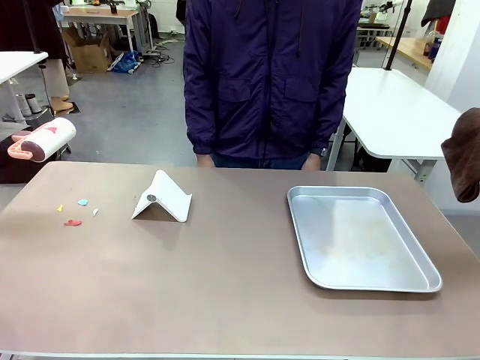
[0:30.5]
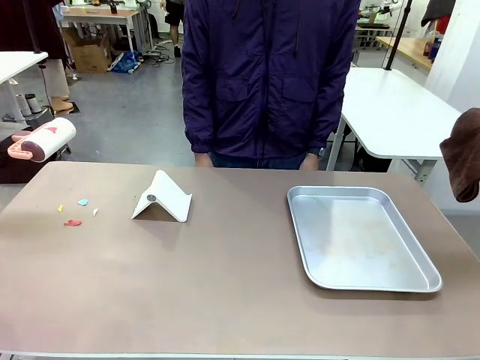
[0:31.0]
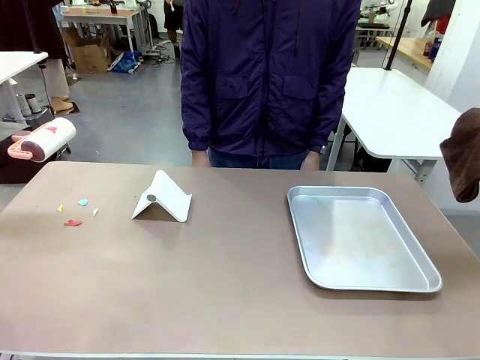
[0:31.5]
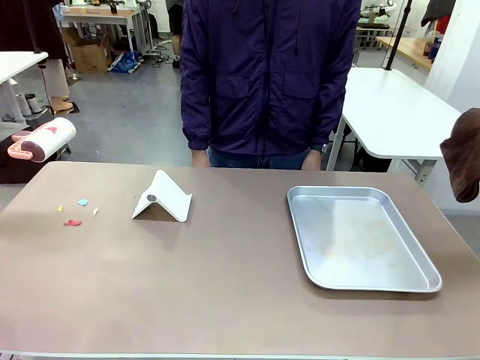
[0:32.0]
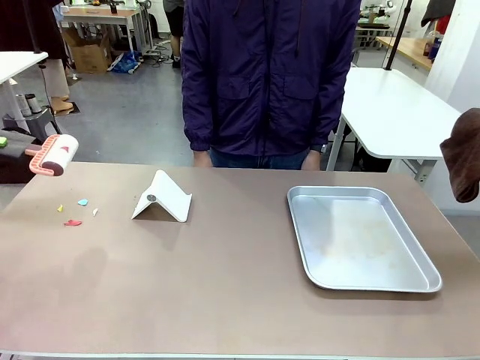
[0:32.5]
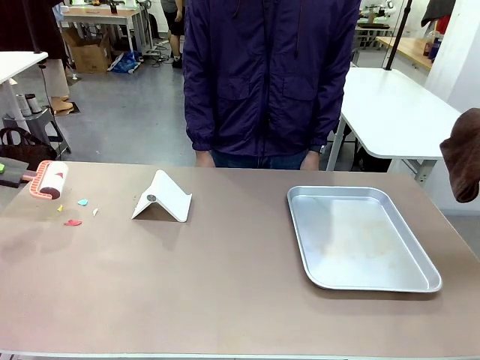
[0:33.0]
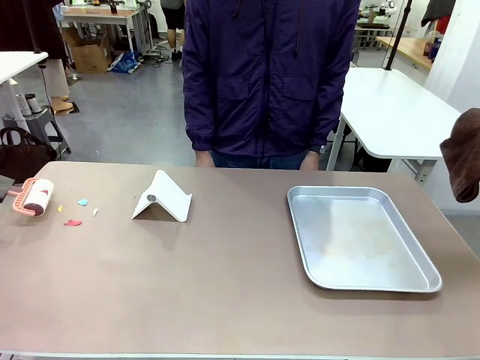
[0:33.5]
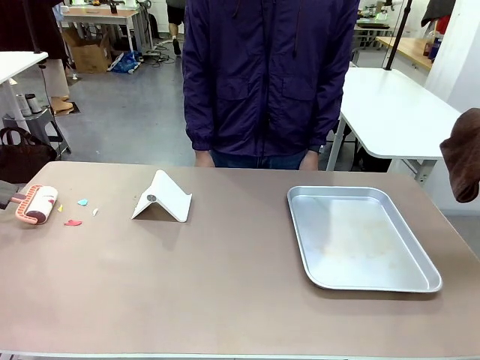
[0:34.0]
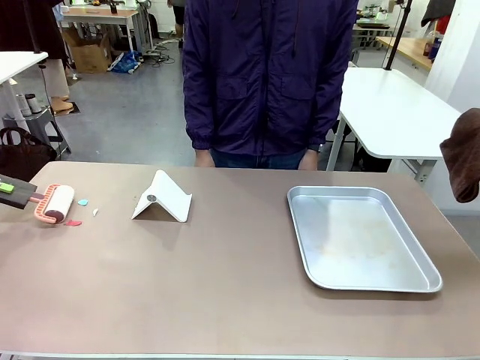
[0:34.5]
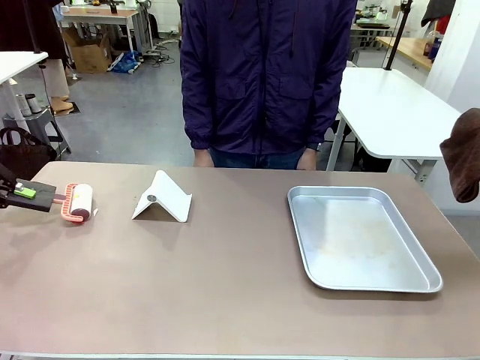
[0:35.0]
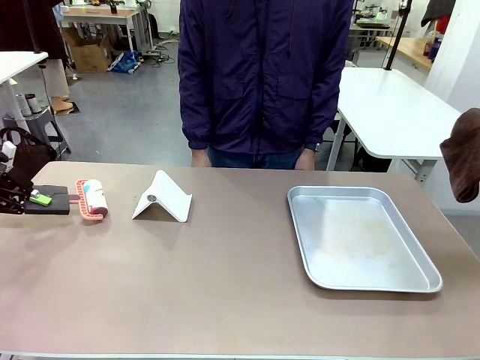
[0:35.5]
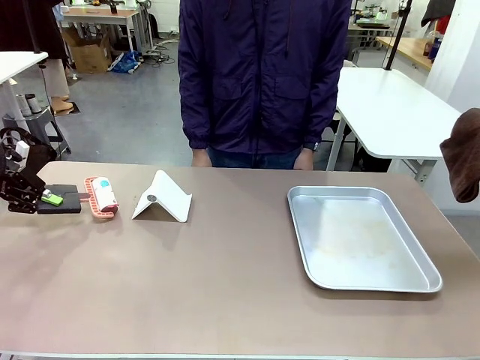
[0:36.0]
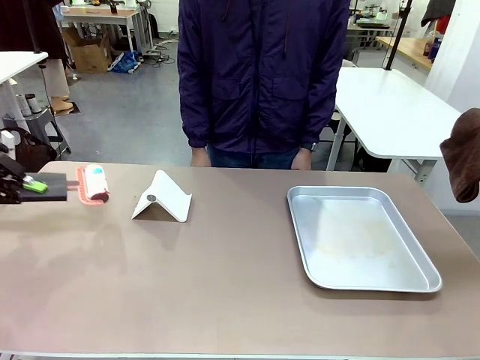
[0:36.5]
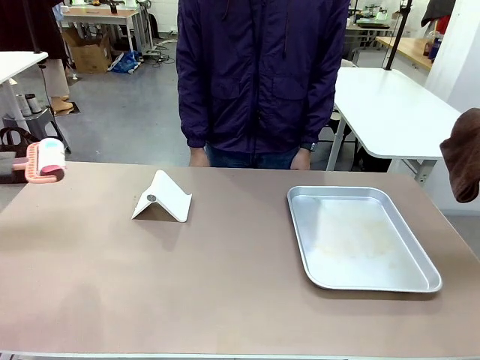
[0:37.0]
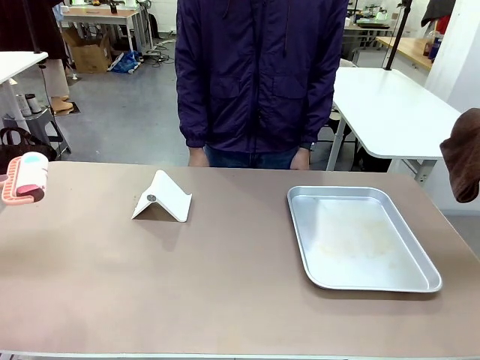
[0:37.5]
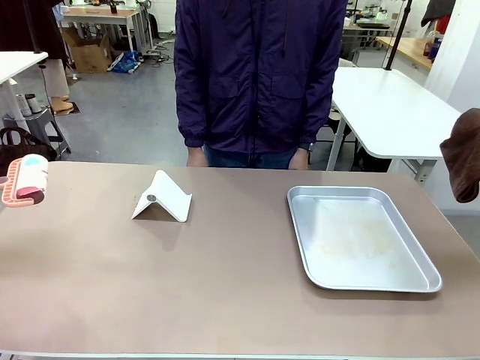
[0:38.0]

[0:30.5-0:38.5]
Task: Clean the surface of the table.
Robot: Clean the area not pointed to by the person.

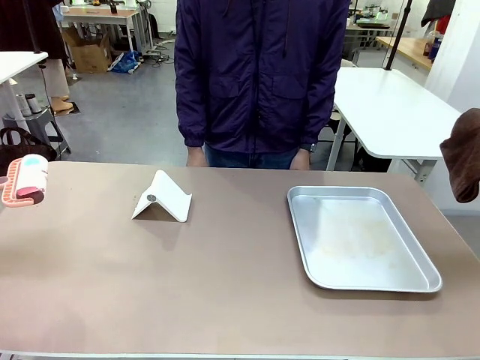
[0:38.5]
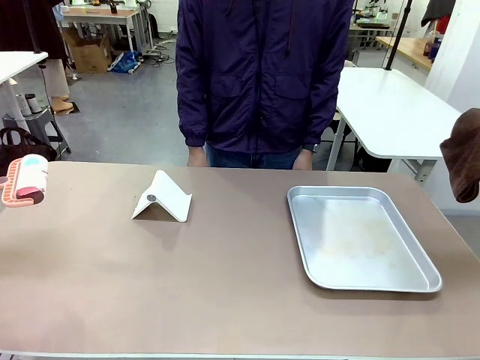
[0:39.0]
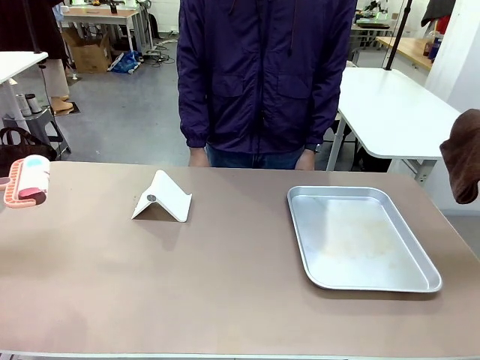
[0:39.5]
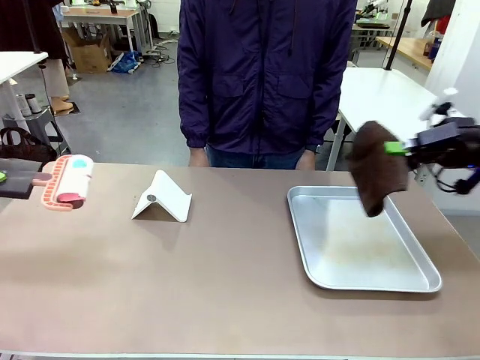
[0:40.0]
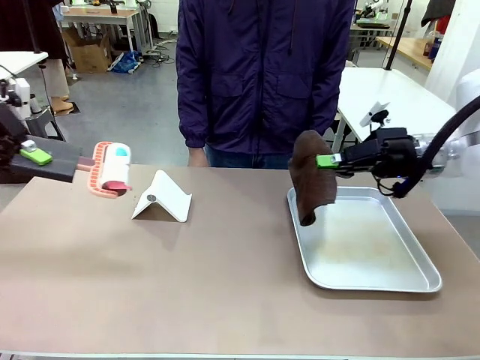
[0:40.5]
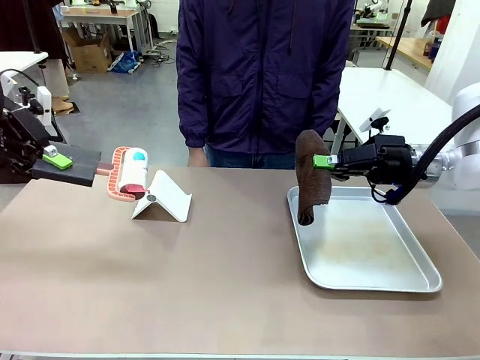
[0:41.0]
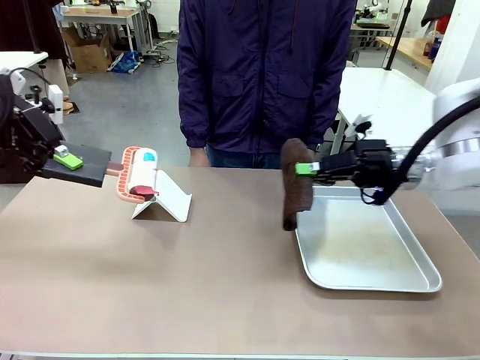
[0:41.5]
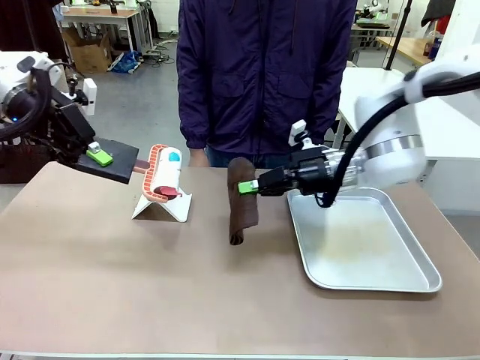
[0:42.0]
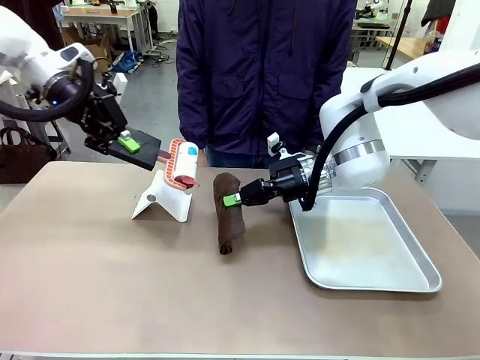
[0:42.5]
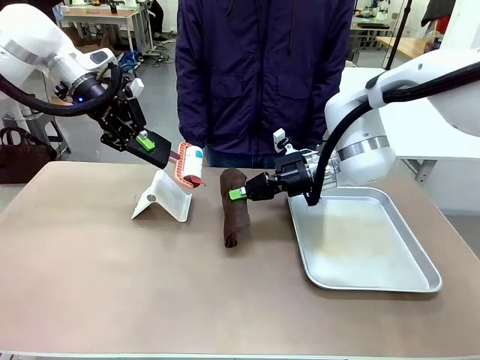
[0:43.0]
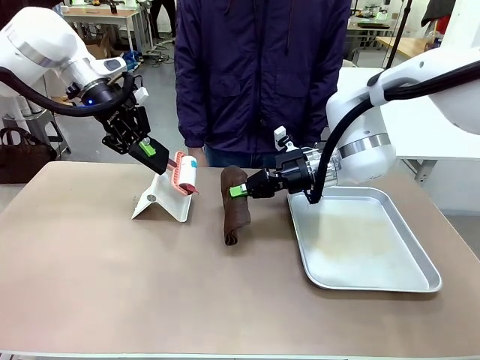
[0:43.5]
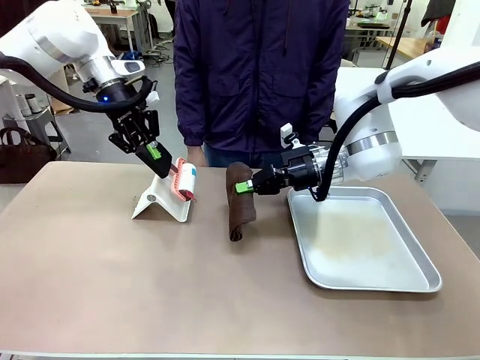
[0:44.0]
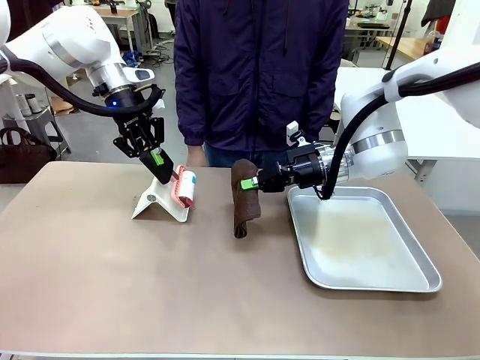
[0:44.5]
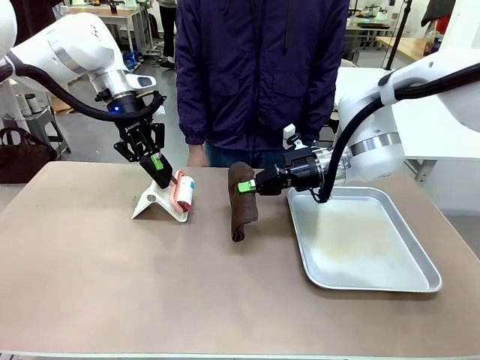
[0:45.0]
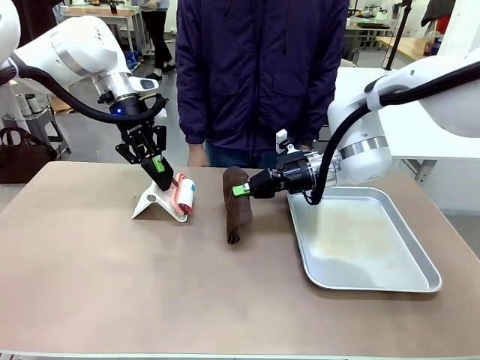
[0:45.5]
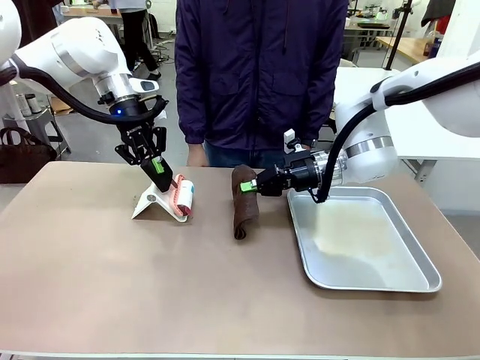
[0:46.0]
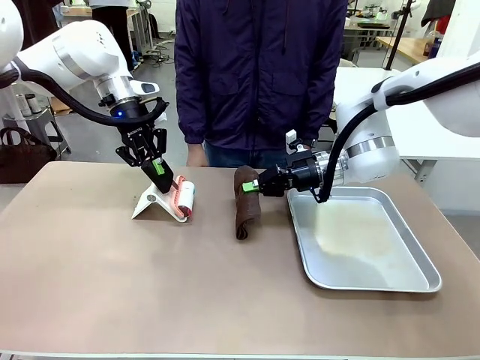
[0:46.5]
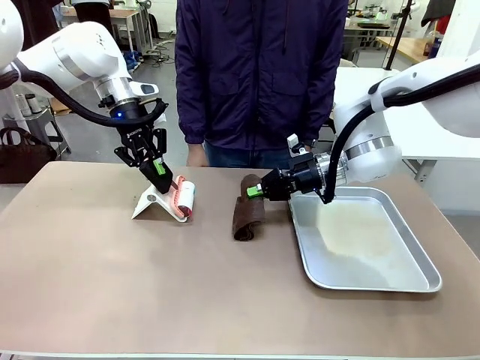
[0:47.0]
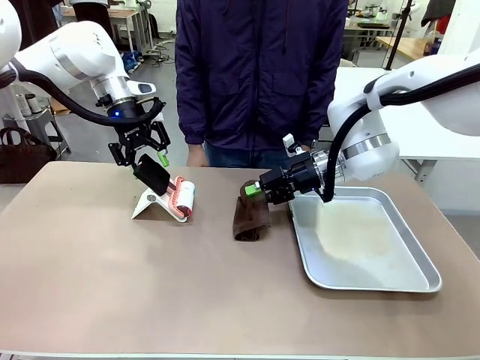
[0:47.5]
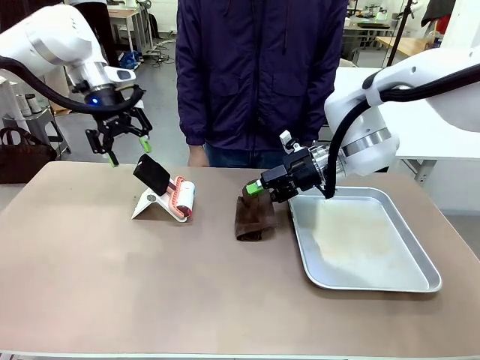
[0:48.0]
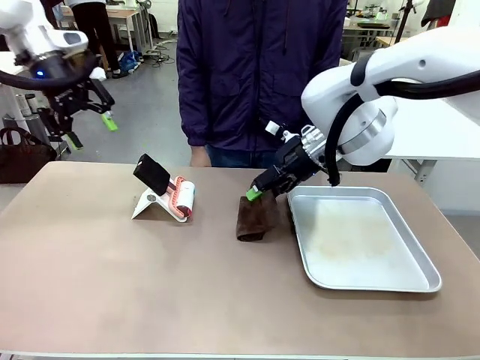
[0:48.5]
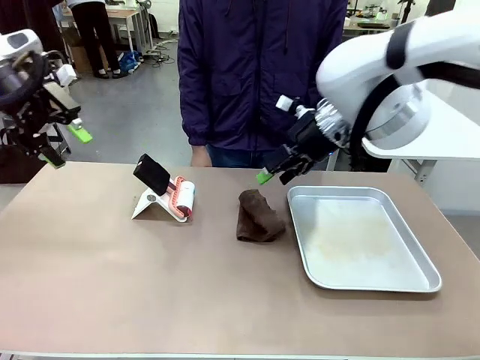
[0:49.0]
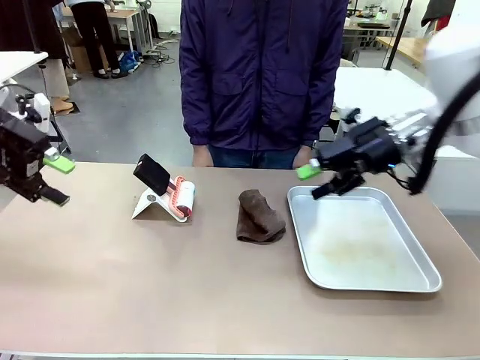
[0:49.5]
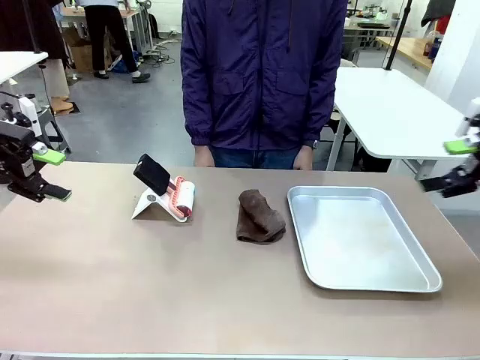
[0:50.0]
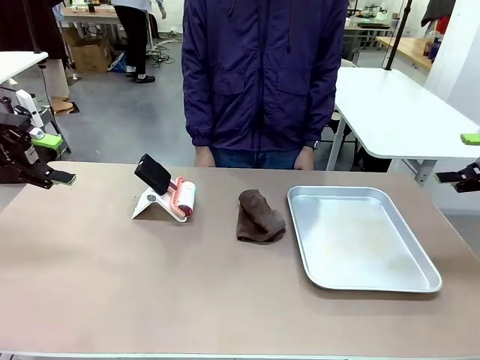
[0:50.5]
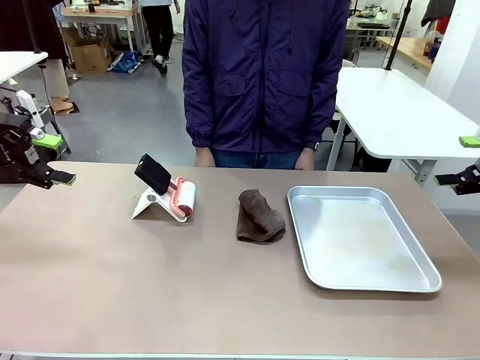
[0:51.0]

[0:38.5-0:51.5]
Robot: Return the Lint Roller and towel to their original positions.

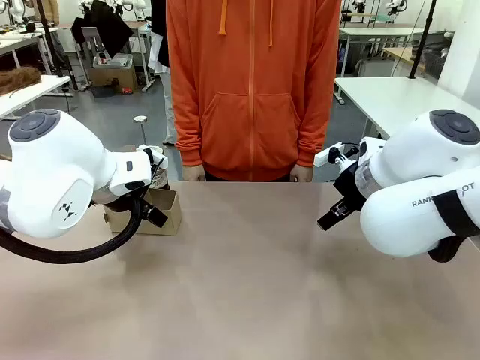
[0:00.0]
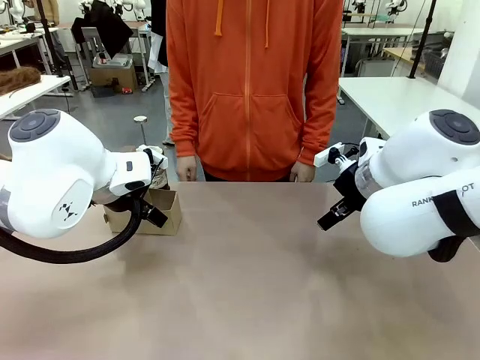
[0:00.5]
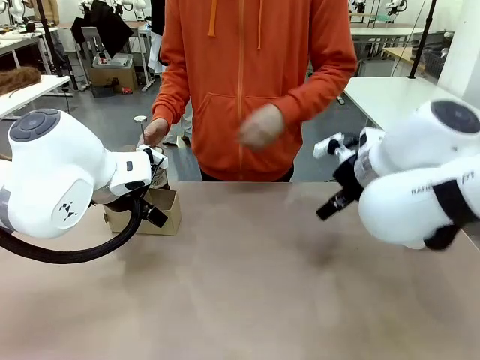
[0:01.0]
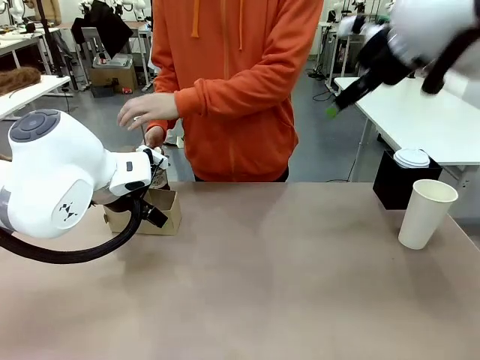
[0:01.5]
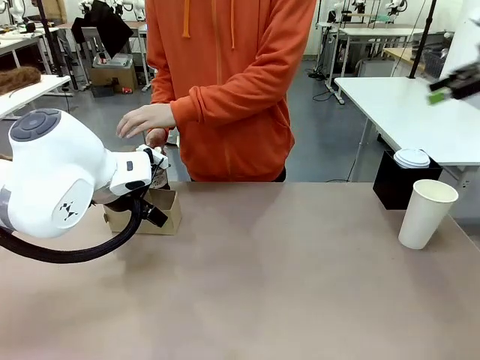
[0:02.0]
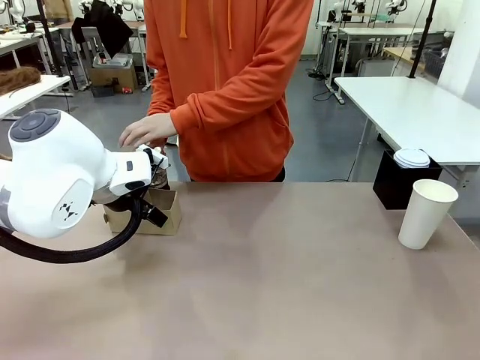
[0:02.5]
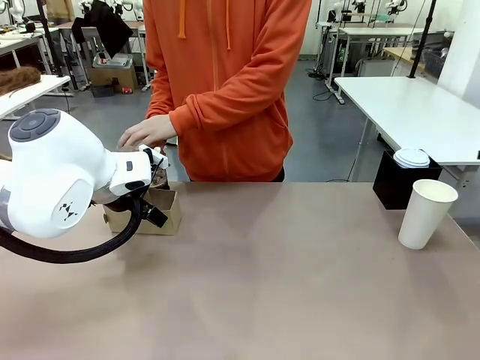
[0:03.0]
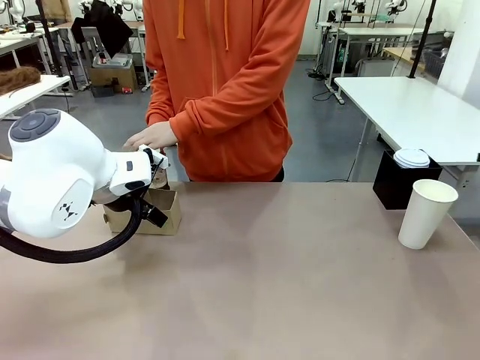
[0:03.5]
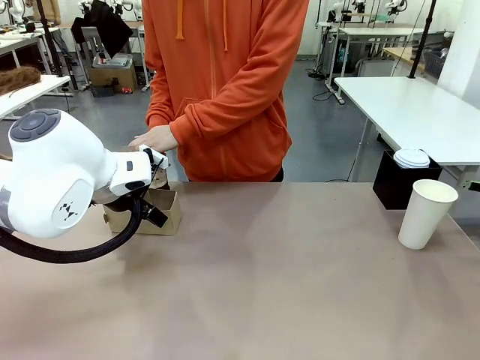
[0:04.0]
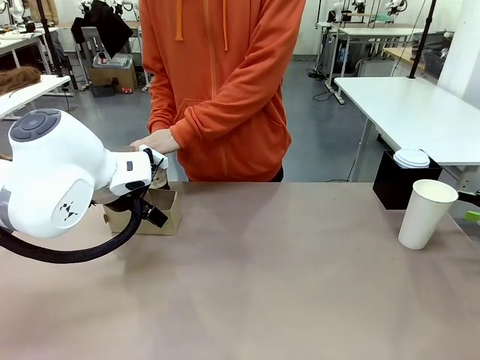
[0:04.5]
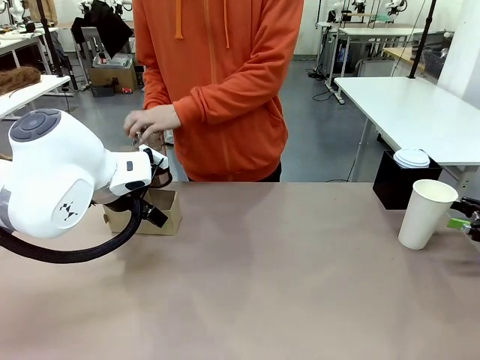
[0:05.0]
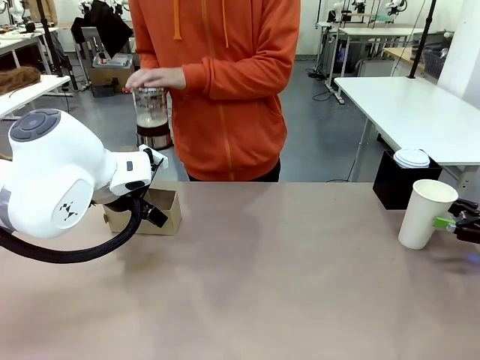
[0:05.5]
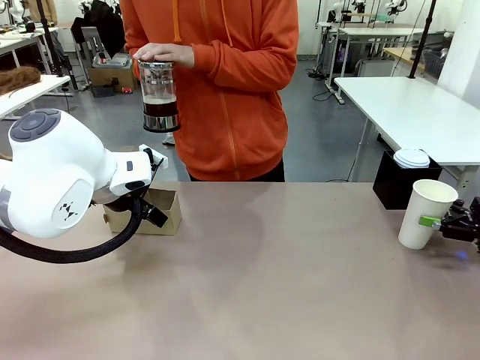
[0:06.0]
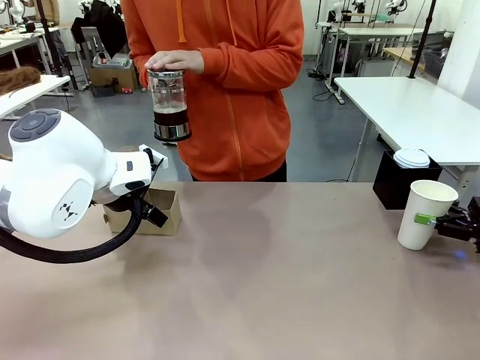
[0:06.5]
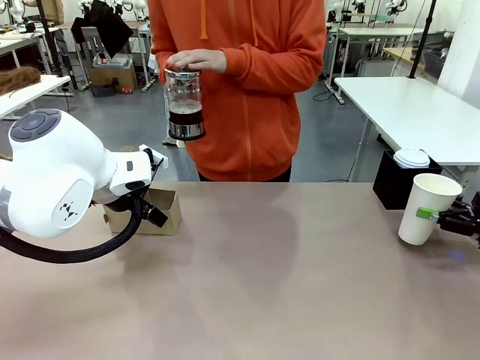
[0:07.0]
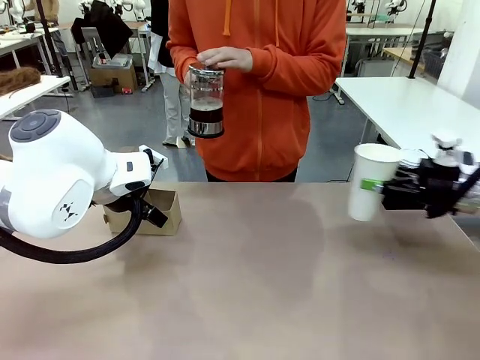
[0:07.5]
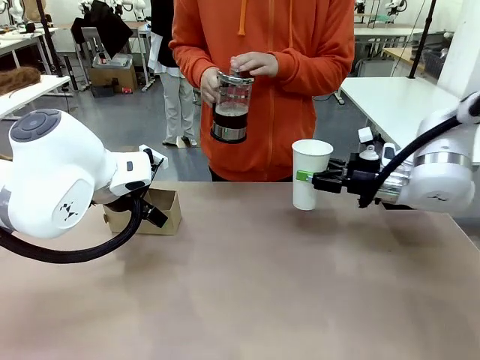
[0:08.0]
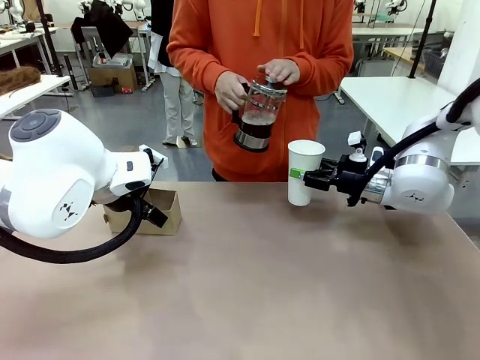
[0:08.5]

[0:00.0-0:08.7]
Task: Pour a drink into a cup and package it in a carrier.
Robot: Pick up the 600 ml Paper Cup and place it in the middle top area of the table.
Person: Press and pick up the Filter Brewing.
